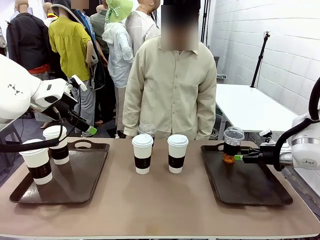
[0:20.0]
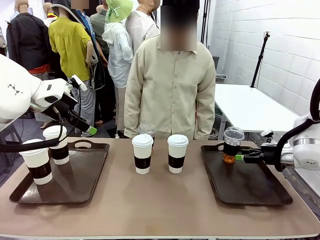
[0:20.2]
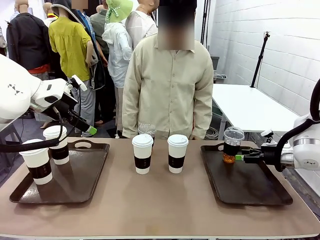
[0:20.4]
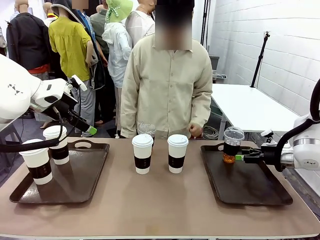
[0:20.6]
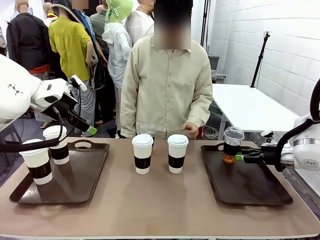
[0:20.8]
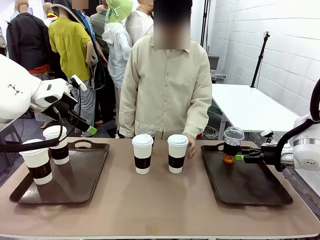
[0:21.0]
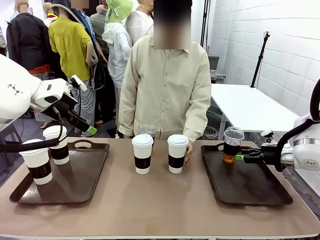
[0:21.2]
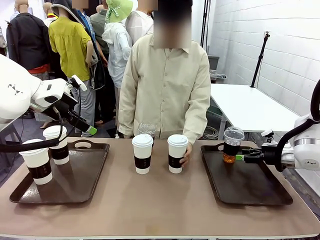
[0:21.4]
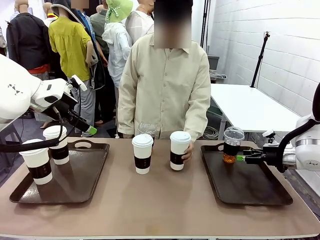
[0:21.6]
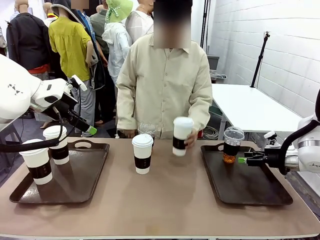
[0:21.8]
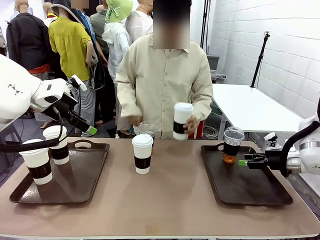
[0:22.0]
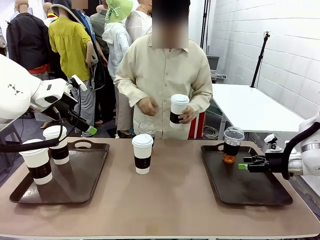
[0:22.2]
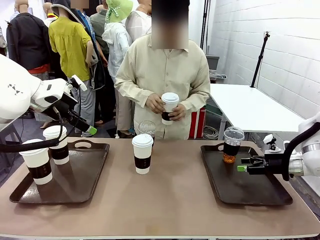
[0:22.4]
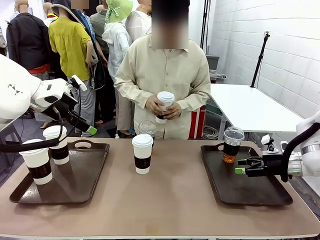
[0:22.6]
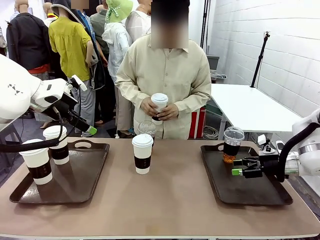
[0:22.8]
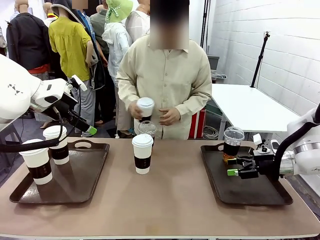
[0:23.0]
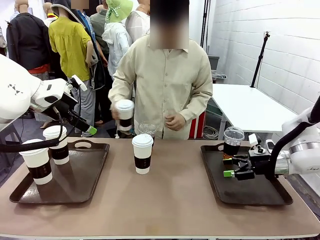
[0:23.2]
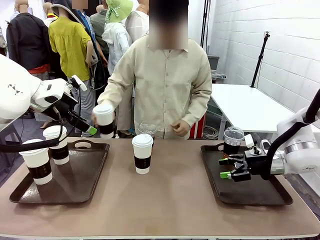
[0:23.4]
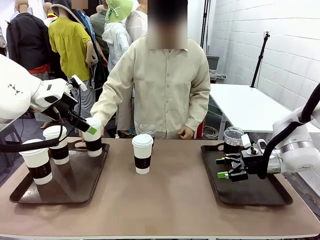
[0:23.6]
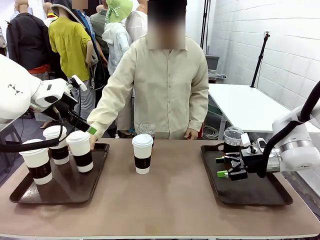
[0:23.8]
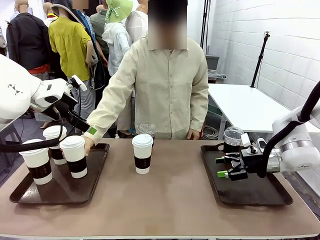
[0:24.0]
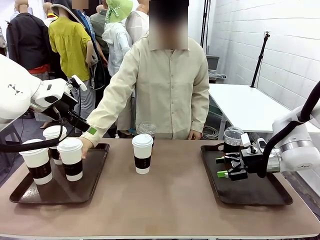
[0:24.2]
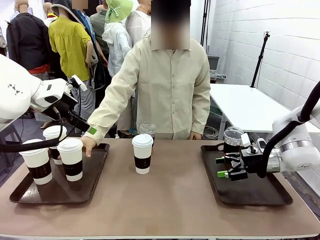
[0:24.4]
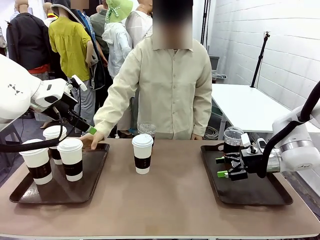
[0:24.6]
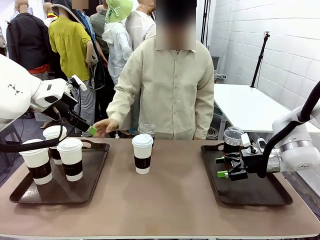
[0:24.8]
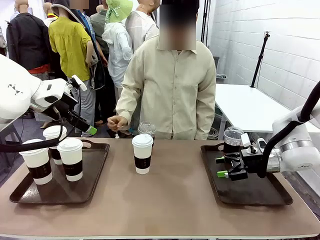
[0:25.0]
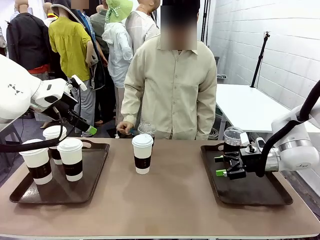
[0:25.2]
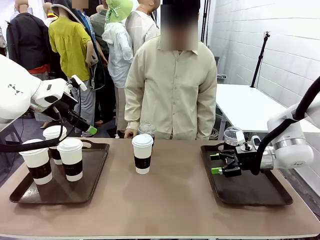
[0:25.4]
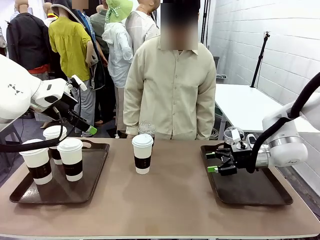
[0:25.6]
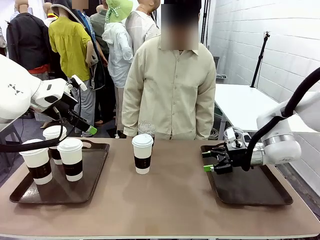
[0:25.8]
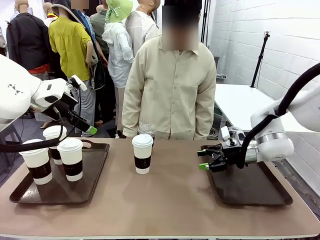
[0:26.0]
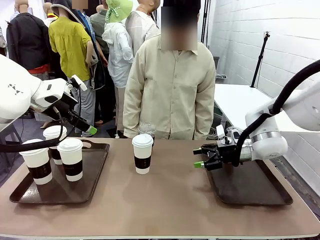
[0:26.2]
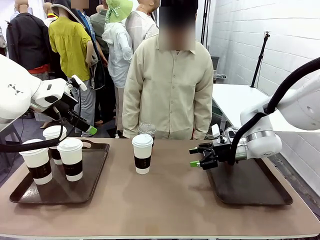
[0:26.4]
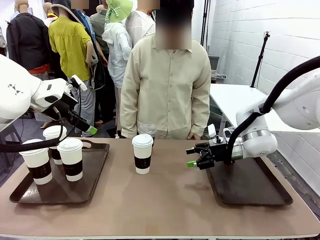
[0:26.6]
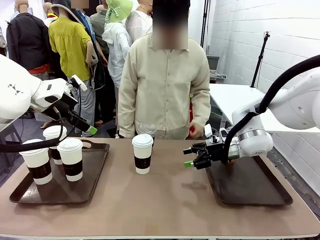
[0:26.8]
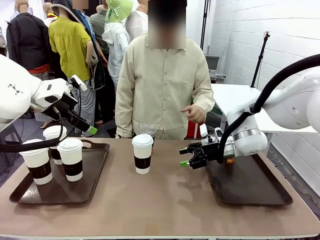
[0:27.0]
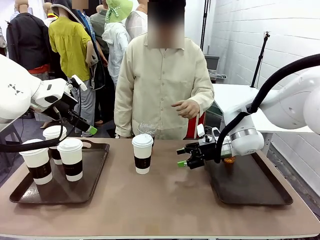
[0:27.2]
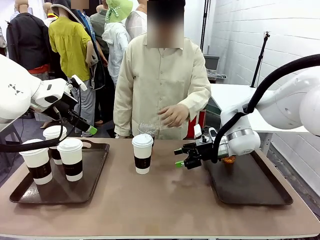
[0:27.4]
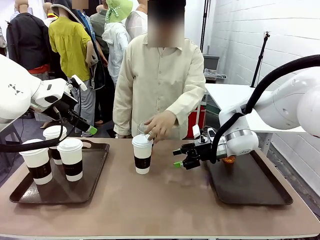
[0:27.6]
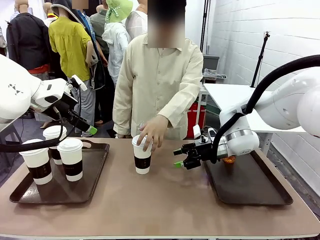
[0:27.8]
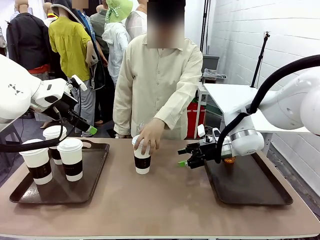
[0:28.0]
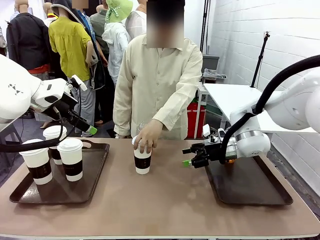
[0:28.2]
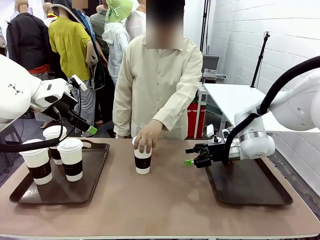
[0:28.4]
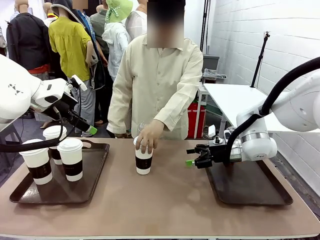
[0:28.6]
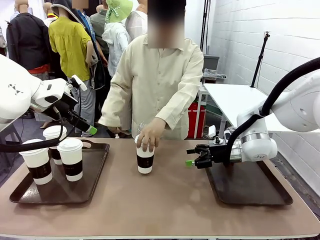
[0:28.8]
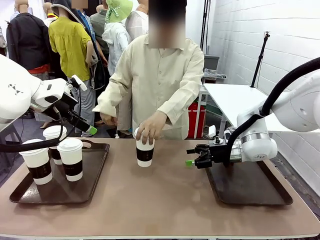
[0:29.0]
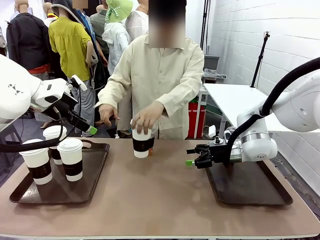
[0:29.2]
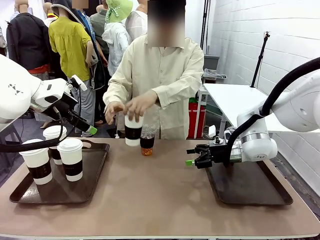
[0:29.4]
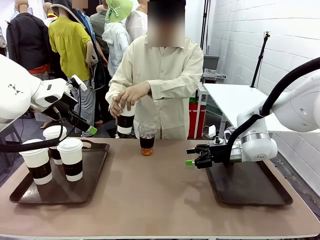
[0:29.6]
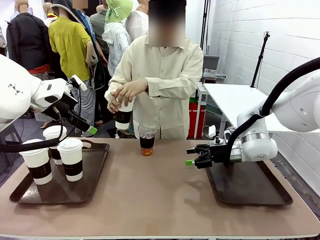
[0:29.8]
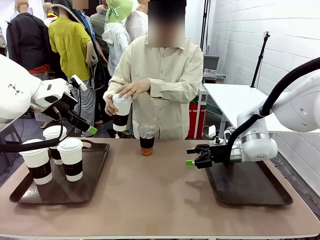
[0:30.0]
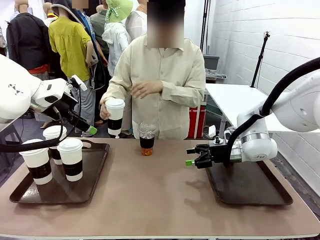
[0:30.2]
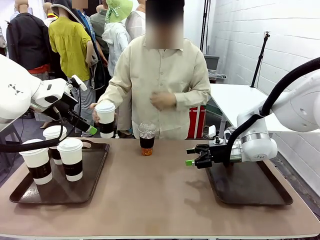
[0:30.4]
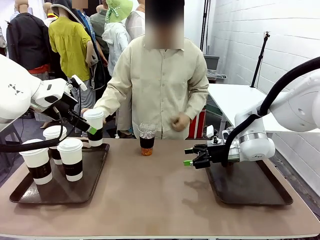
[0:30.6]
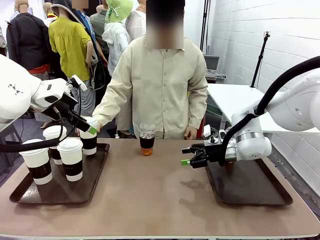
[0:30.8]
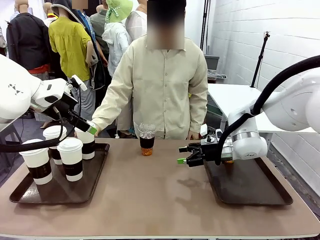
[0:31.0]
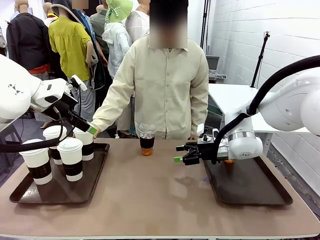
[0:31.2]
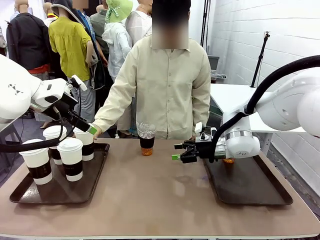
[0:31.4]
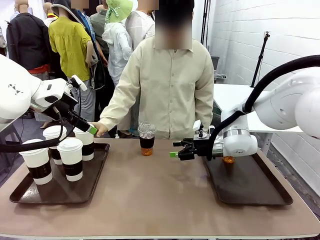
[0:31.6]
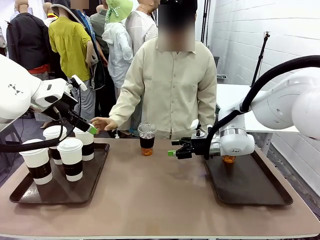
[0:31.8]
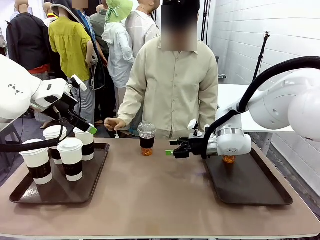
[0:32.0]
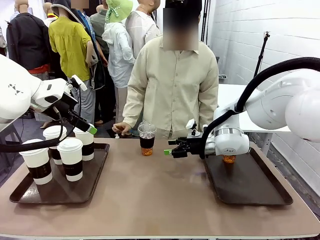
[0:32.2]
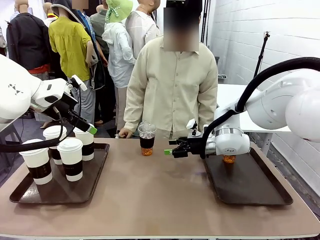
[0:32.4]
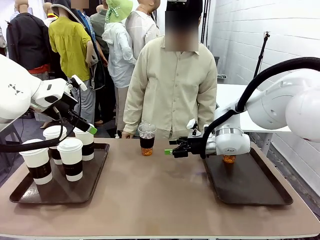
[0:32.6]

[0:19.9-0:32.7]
Task: Distribute the coffee onto the tray.
Robot: Pick up another iced Americano from the middle of the table and place it on the right Handle tray.

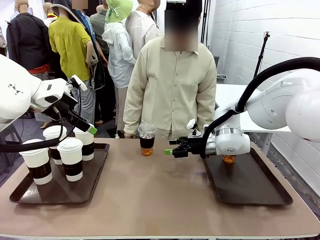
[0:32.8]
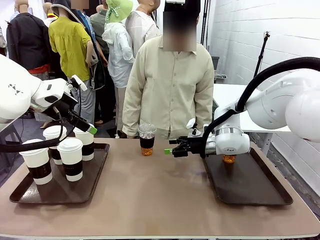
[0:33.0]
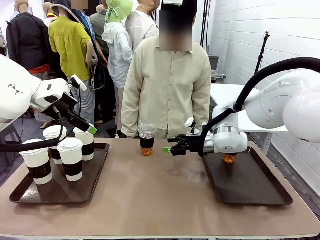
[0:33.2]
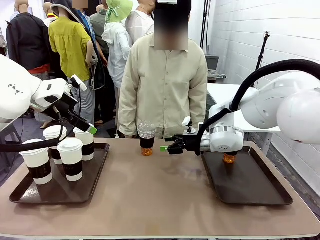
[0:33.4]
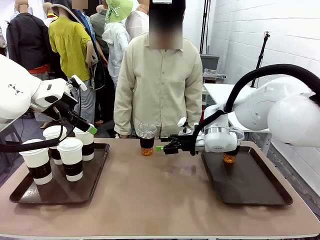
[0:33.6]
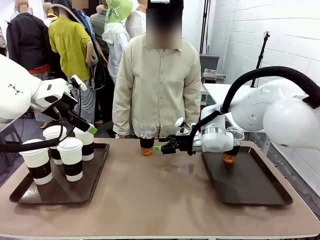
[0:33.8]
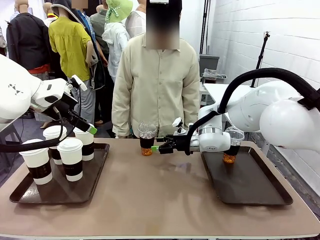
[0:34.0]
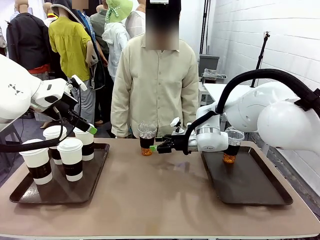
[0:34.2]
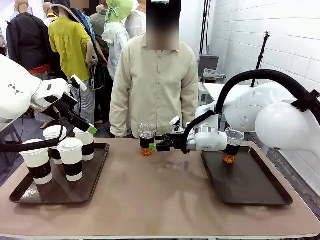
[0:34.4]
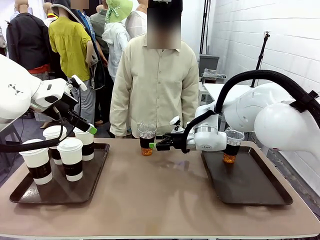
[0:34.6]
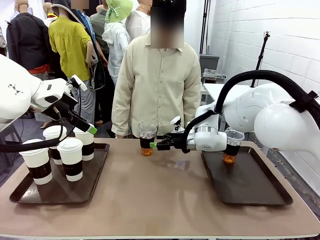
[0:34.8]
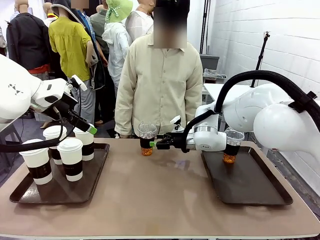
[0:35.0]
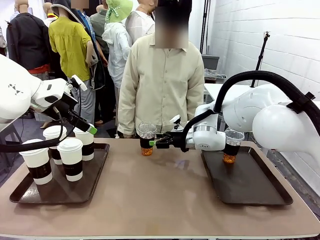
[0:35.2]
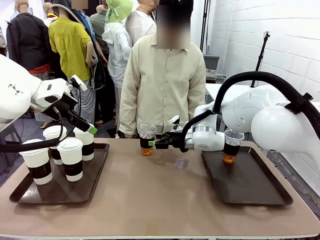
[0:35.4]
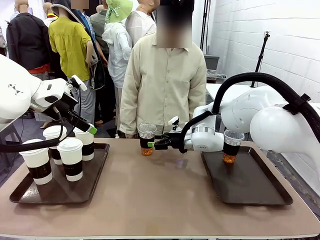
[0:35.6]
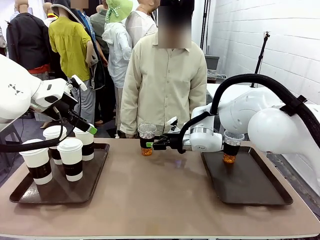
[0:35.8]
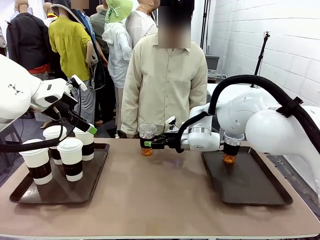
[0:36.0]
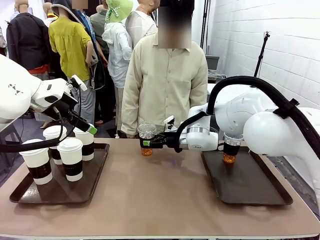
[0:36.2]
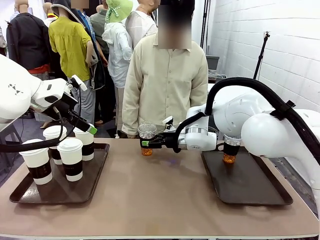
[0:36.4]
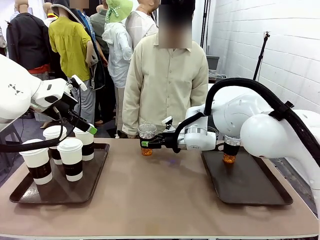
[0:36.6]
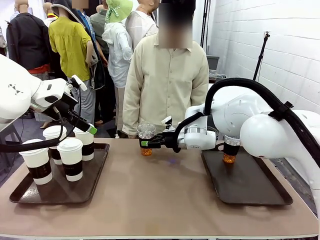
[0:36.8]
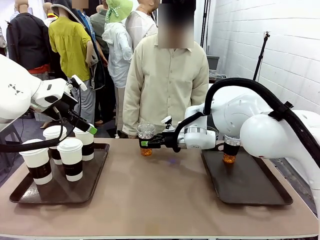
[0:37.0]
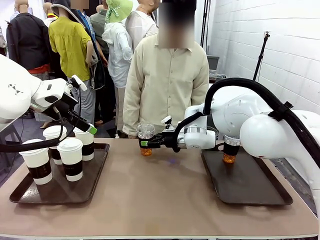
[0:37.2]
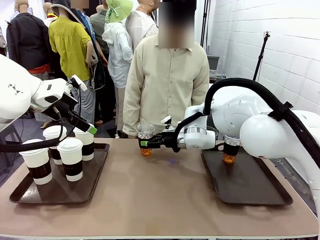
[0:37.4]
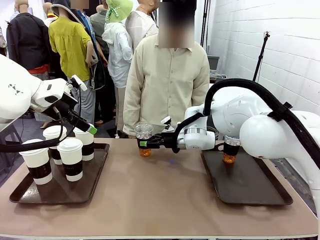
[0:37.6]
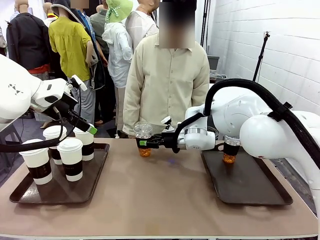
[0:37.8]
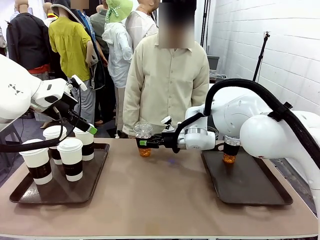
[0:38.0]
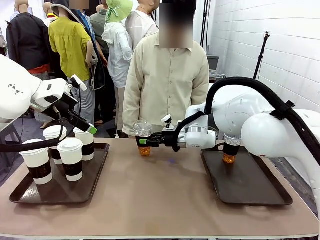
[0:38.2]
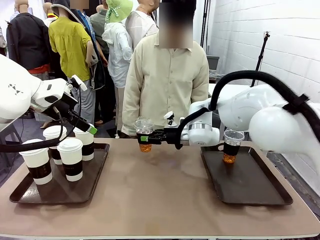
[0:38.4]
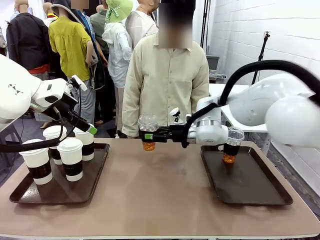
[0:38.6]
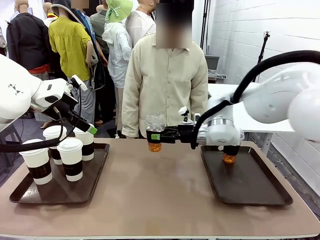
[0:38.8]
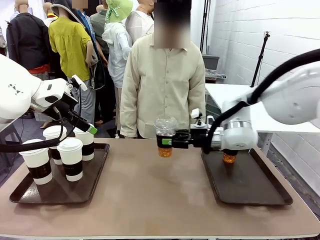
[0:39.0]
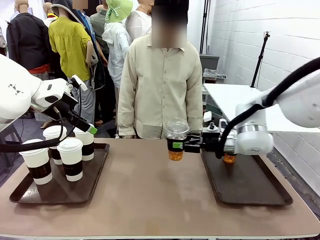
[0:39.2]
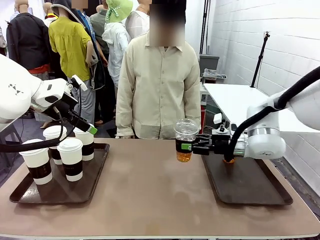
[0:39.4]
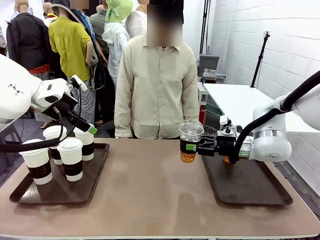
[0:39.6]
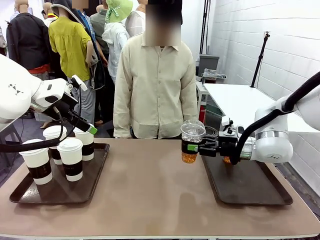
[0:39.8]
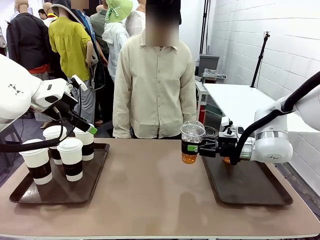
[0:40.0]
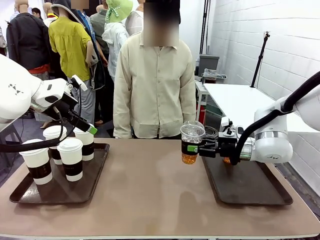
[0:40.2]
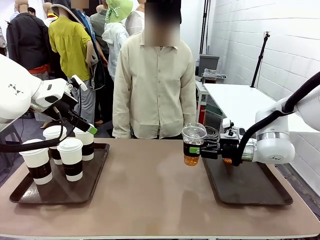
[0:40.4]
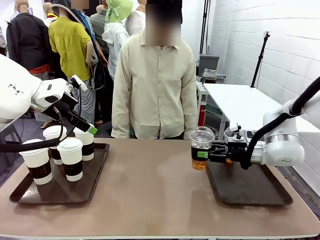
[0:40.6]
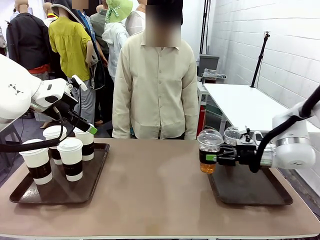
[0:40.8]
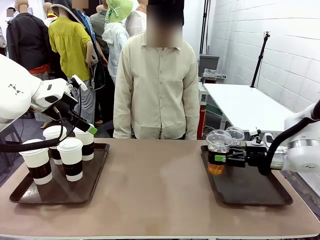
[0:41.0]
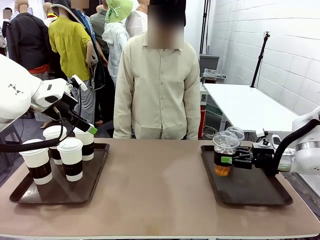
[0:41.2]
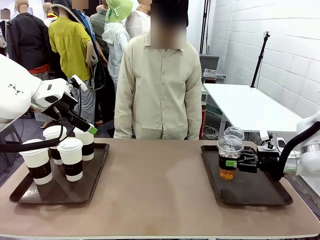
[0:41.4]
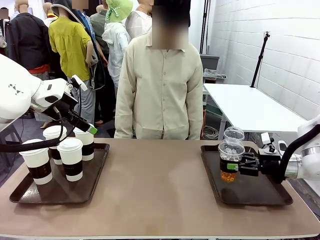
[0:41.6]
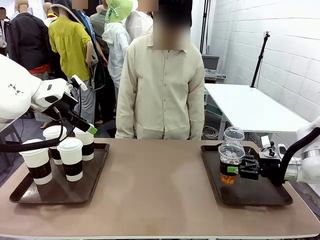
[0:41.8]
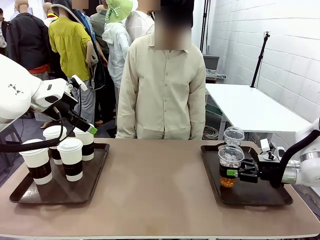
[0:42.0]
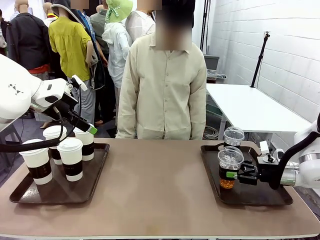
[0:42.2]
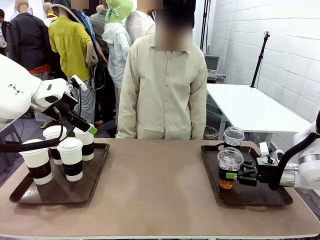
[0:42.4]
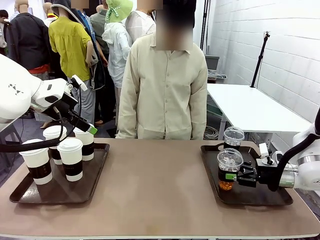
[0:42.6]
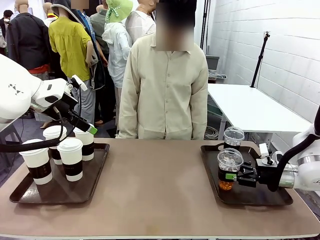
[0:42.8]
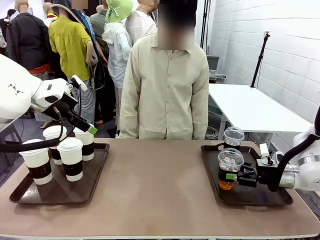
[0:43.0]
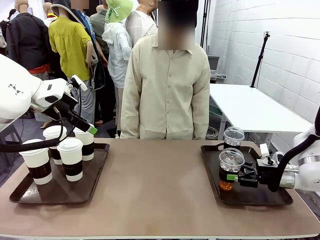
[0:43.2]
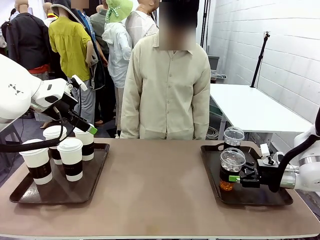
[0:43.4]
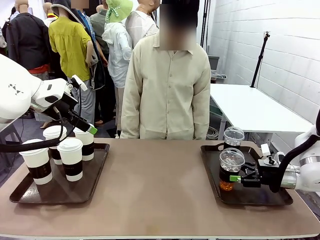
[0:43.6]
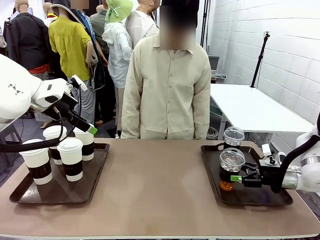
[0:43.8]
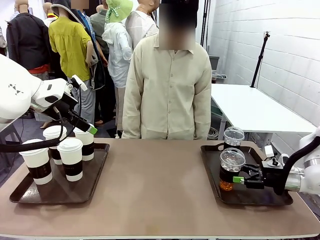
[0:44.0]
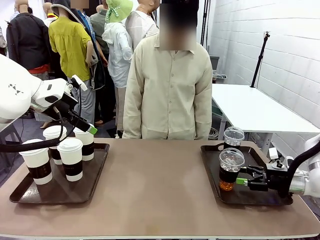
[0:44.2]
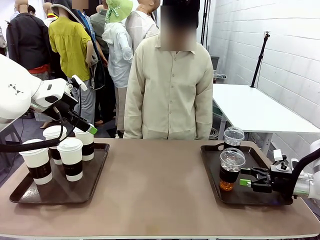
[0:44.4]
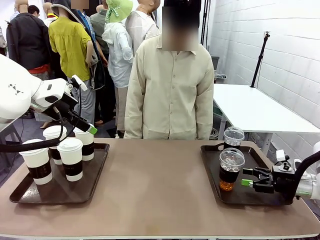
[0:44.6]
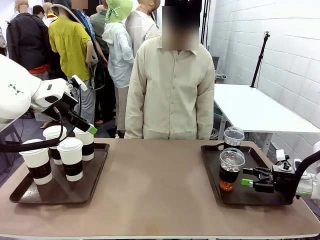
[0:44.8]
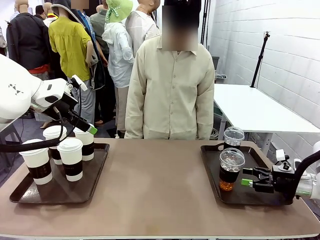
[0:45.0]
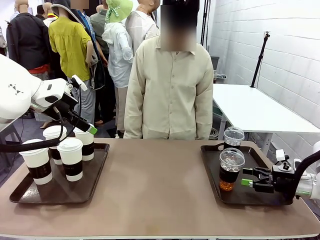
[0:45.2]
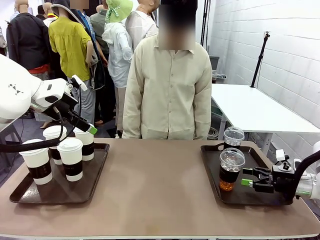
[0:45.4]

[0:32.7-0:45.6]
Robot: Pick up another iced Americano from the middle of the table and place it on the right Handle tray.
